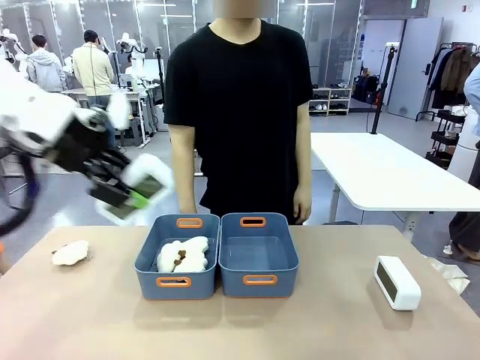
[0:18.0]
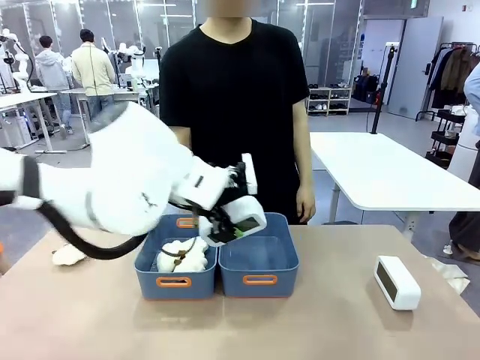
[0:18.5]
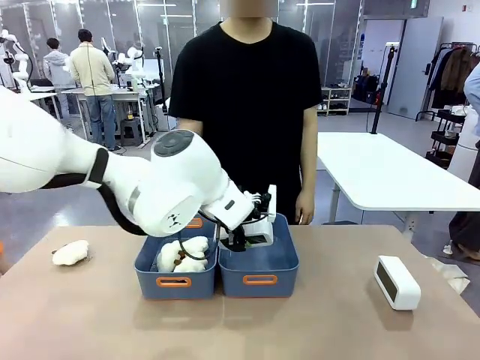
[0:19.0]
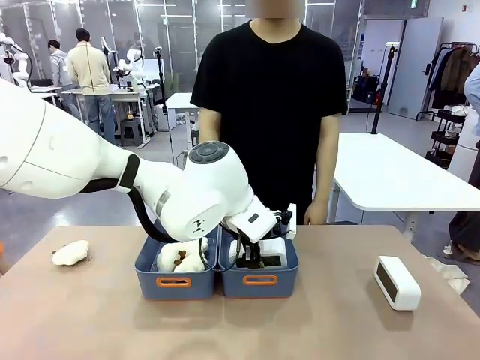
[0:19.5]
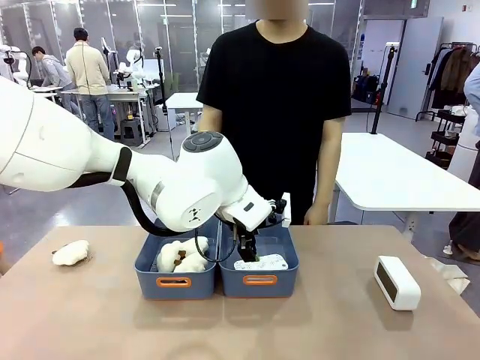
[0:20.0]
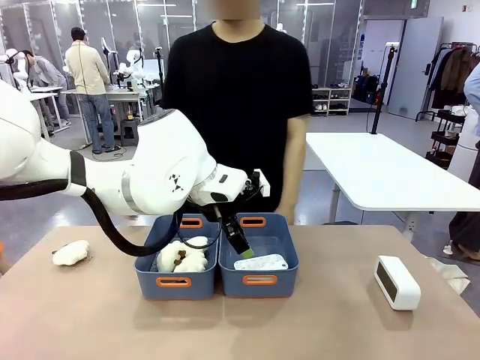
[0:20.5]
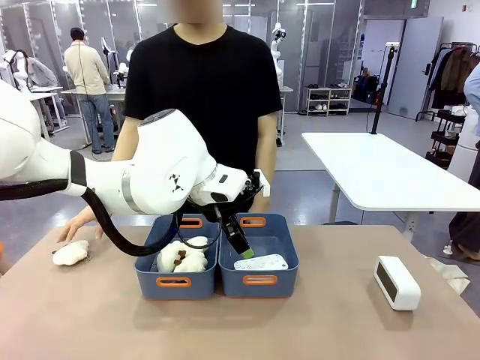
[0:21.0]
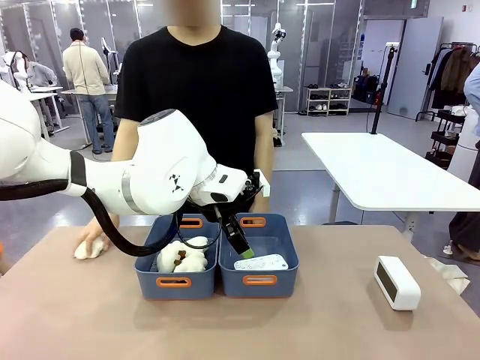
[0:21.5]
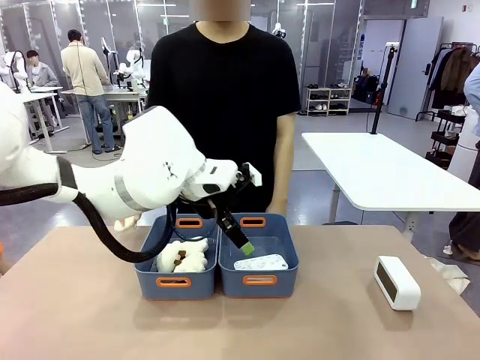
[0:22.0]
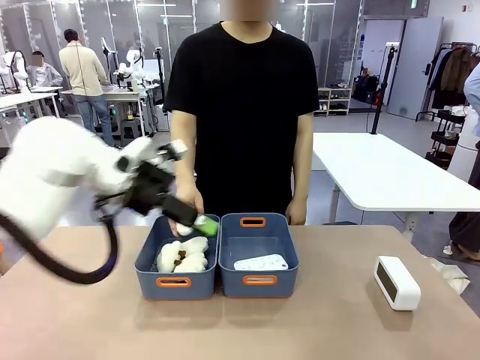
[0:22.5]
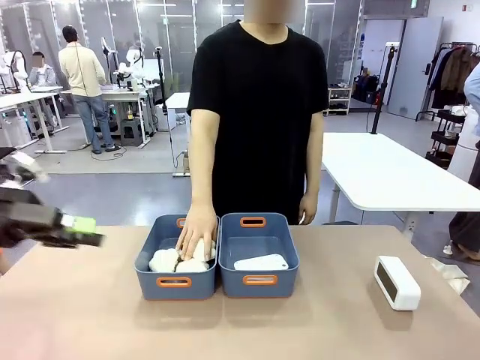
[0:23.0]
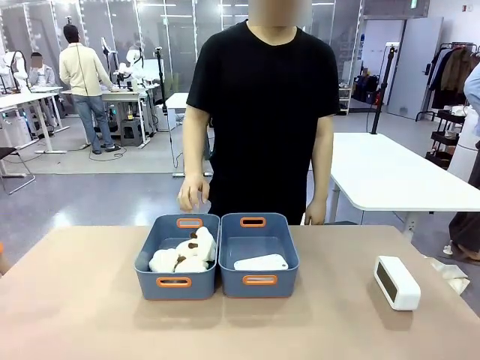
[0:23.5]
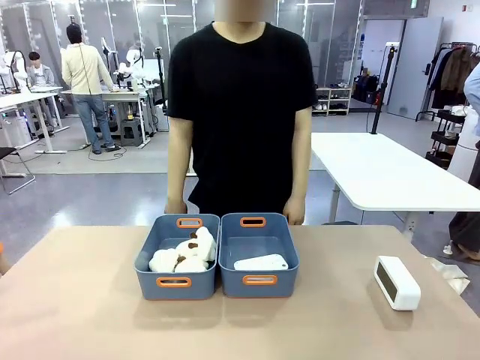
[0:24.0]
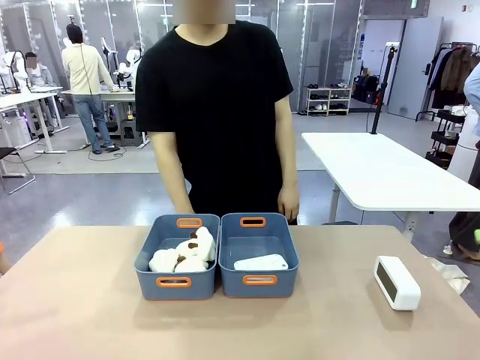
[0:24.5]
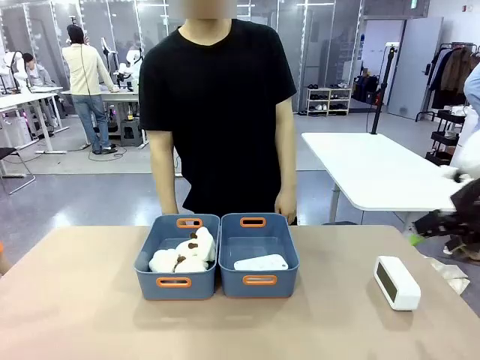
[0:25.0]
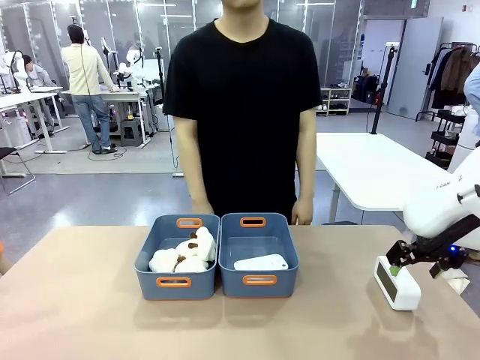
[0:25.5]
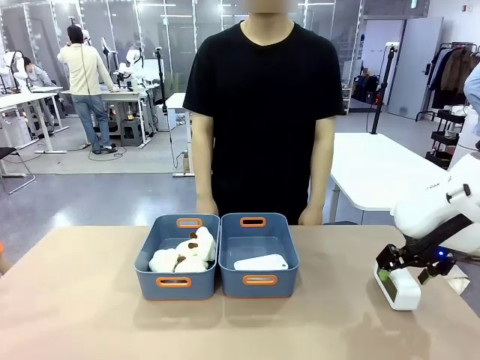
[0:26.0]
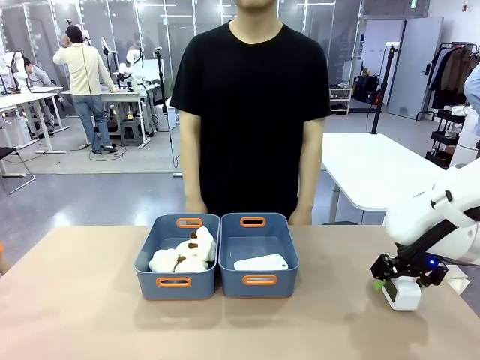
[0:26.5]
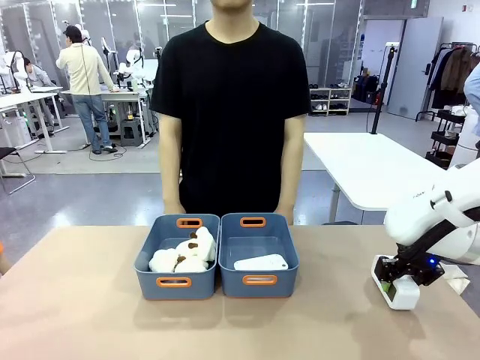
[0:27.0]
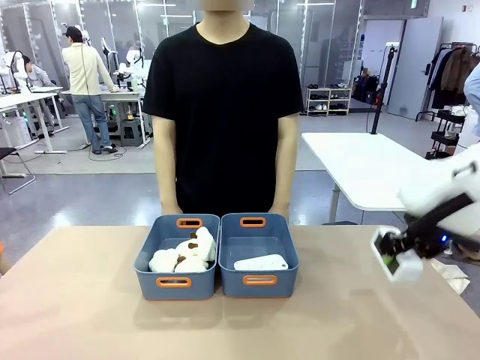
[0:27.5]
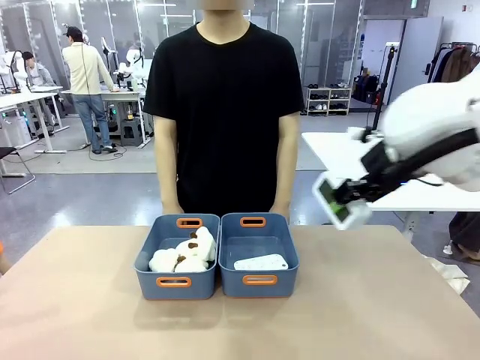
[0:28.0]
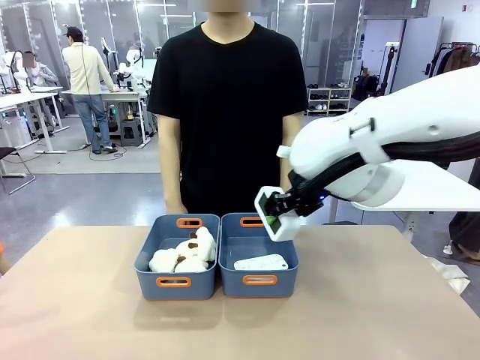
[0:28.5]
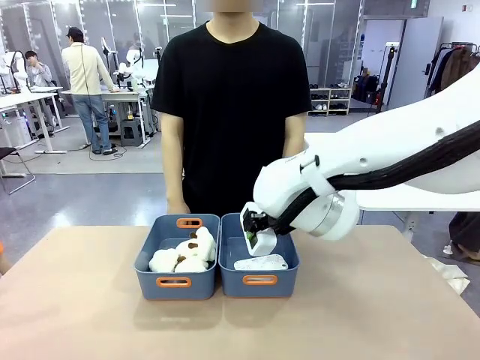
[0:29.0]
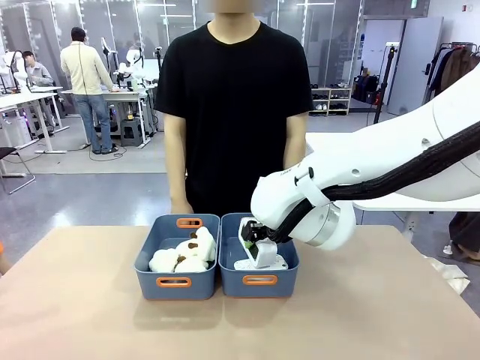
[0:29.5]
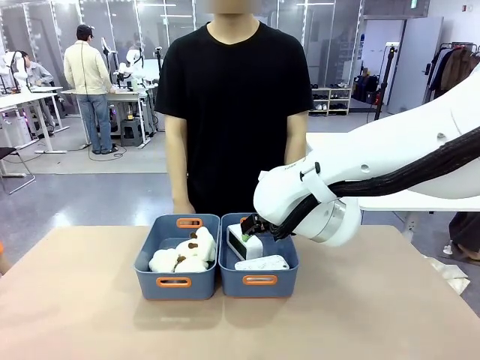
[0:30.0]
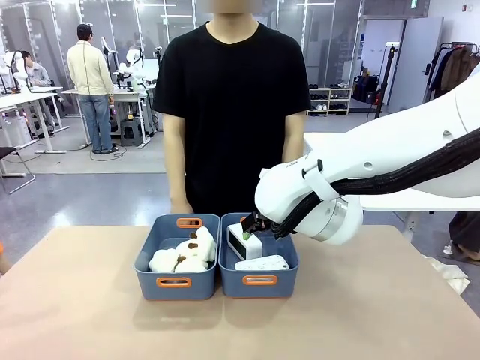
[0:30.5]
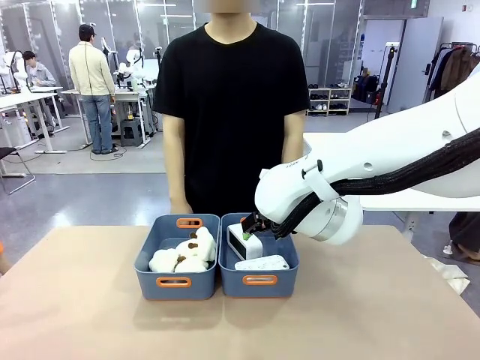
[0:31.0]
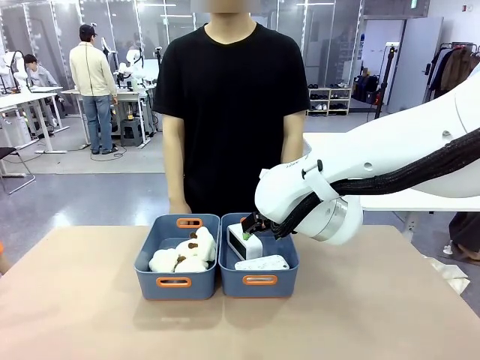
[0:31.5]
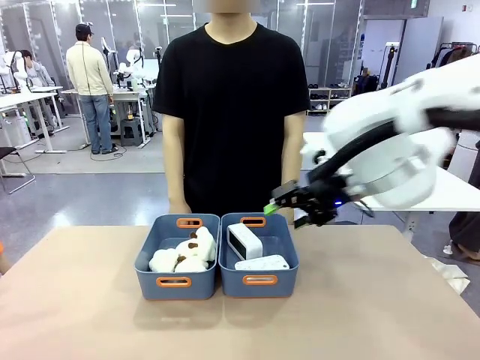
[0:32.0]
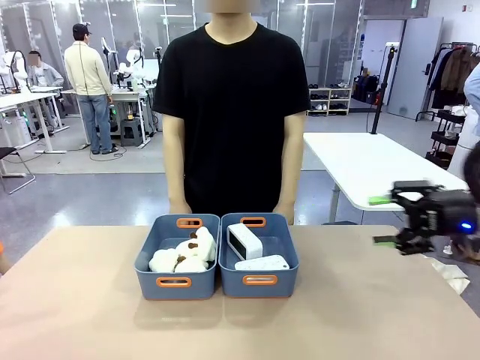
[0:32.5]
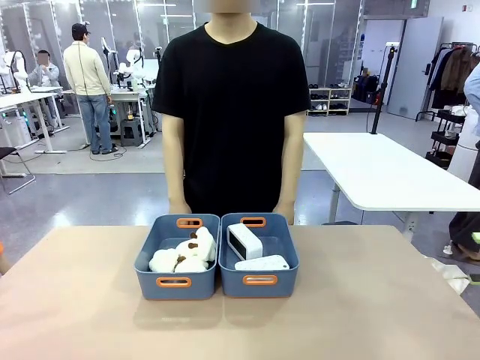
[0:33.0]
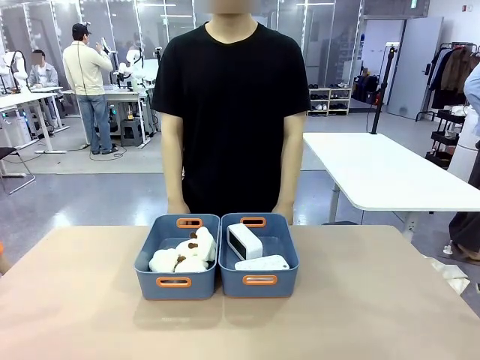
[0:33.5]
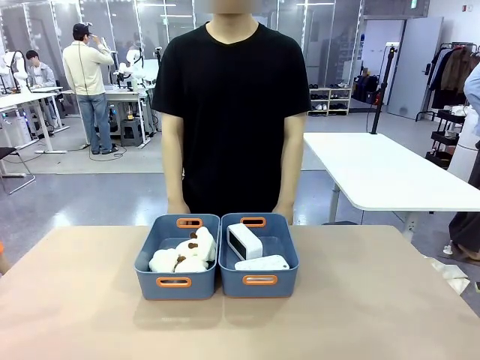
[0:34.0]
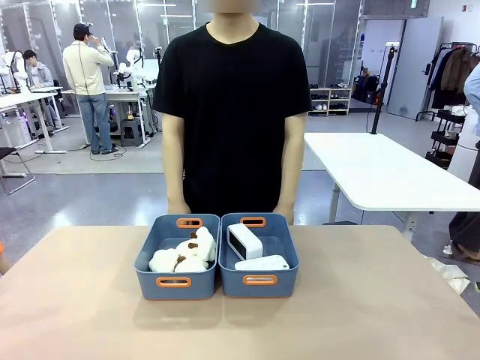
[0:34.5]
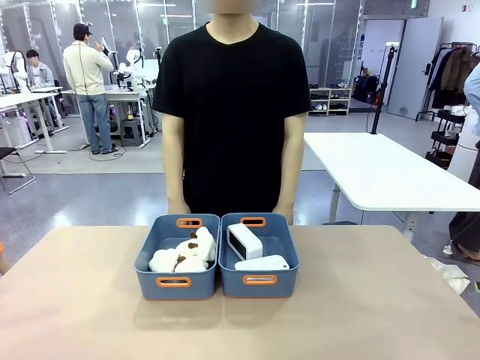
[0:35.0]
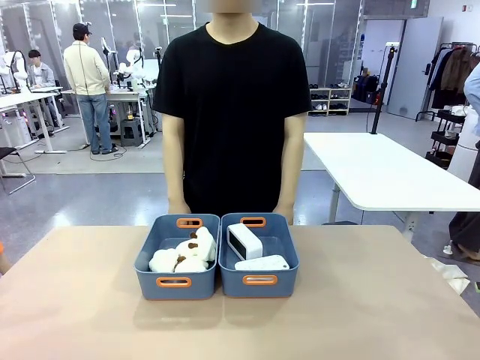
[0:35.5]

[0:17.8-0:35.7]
Task: Sort the digital clocks into the basket.
Robot: Pick up the Digital clock from the table and place it into the empty Plastic storage basket.
Person: Pick up a plush toy from the table and place it in the plastic storage basket containing the plush toy.
